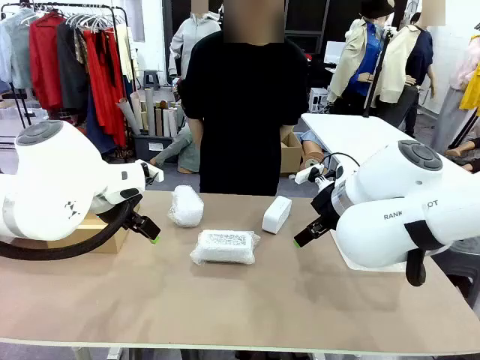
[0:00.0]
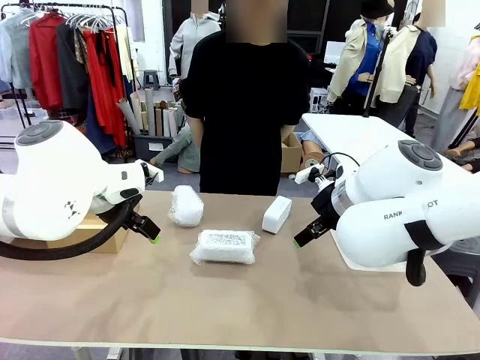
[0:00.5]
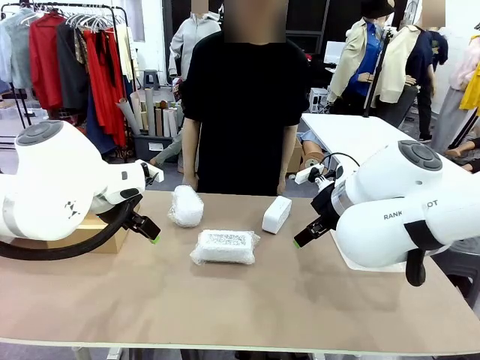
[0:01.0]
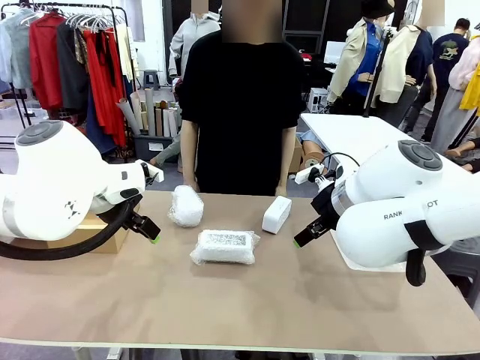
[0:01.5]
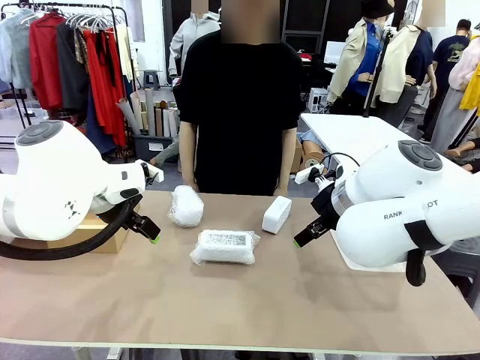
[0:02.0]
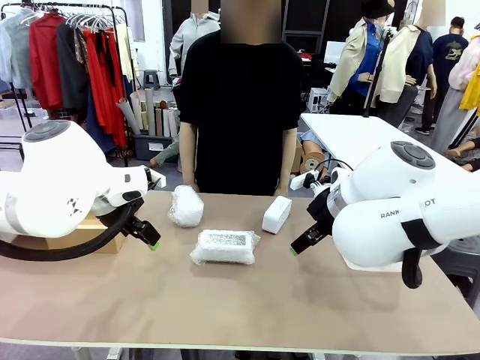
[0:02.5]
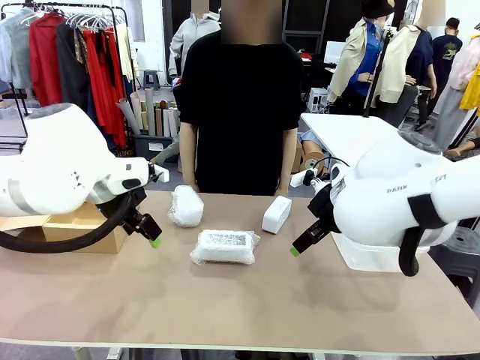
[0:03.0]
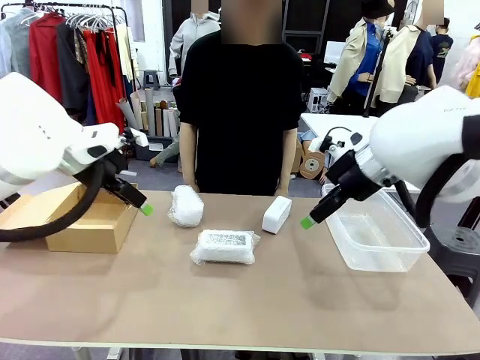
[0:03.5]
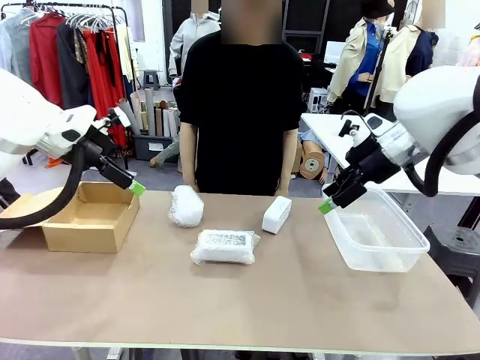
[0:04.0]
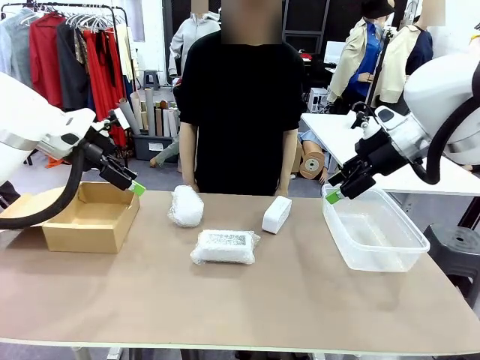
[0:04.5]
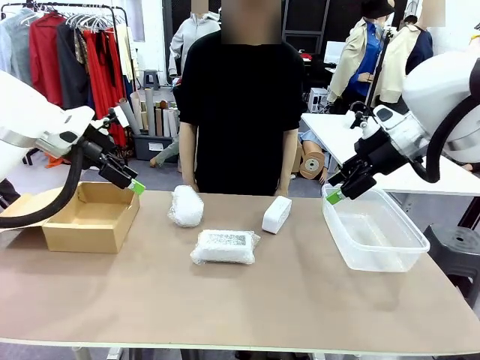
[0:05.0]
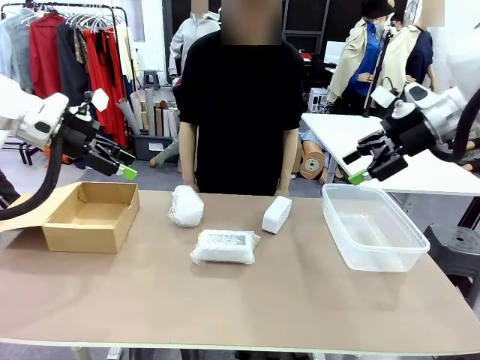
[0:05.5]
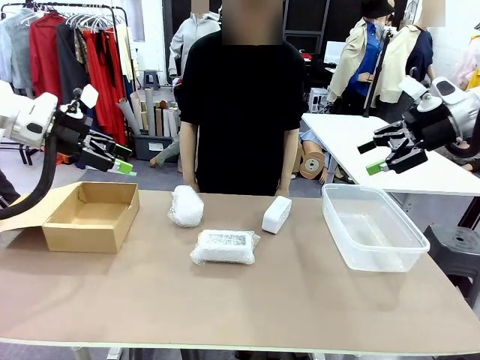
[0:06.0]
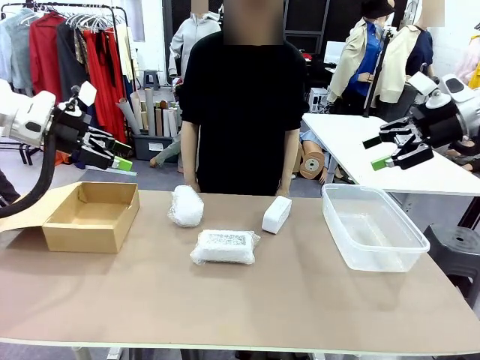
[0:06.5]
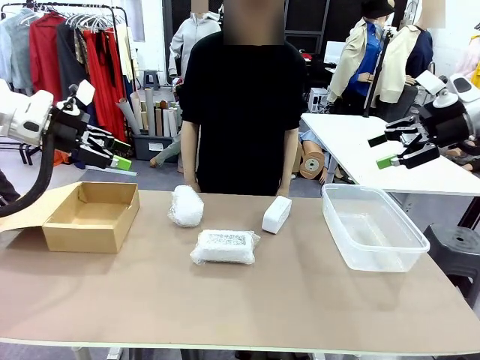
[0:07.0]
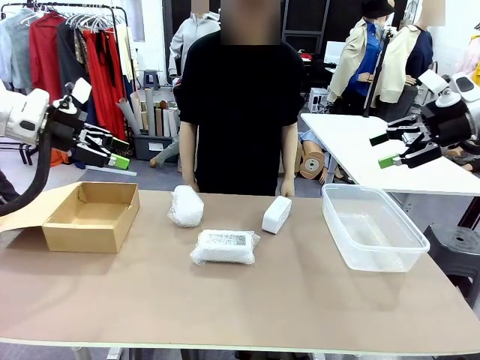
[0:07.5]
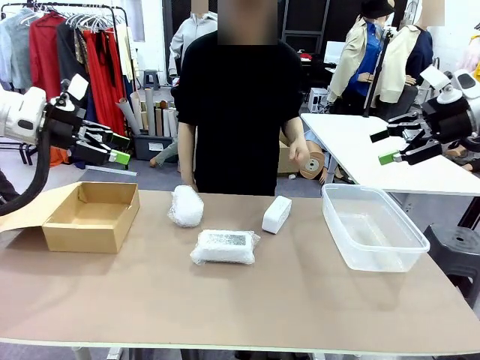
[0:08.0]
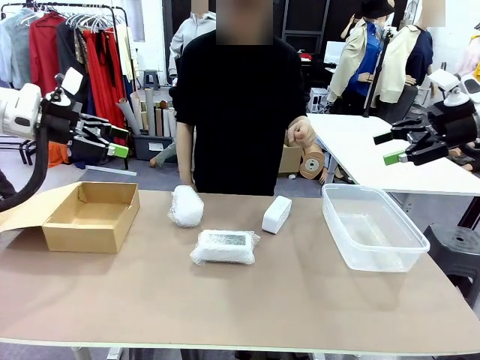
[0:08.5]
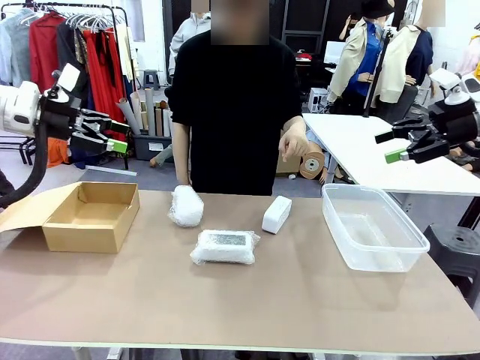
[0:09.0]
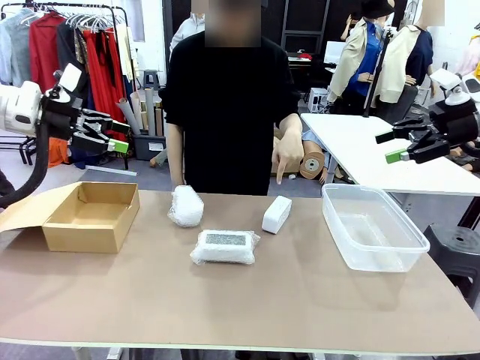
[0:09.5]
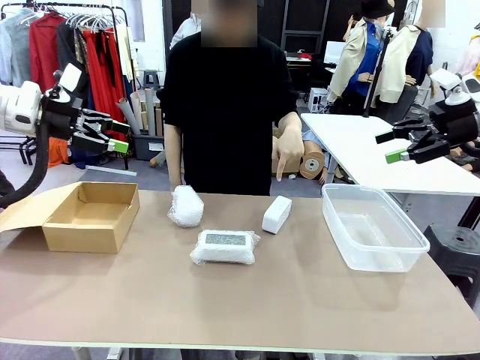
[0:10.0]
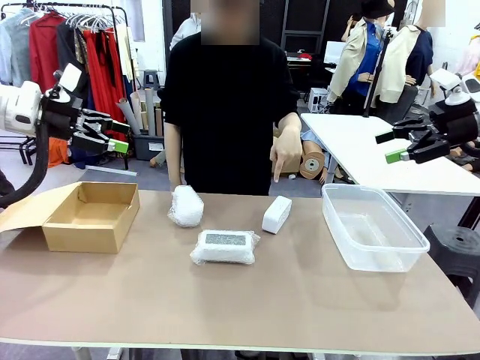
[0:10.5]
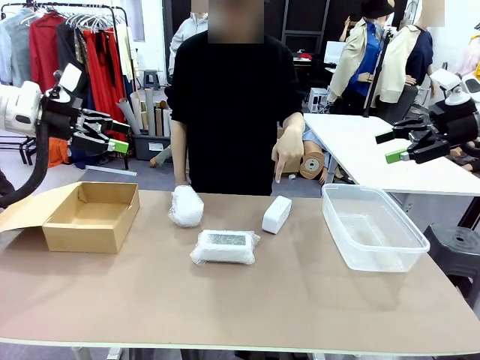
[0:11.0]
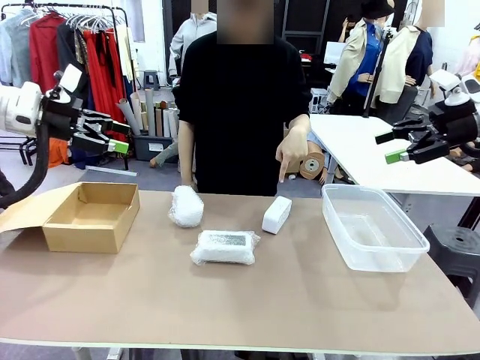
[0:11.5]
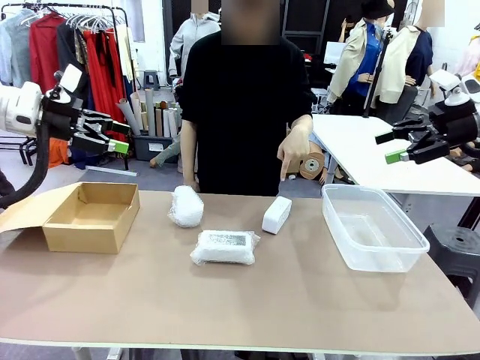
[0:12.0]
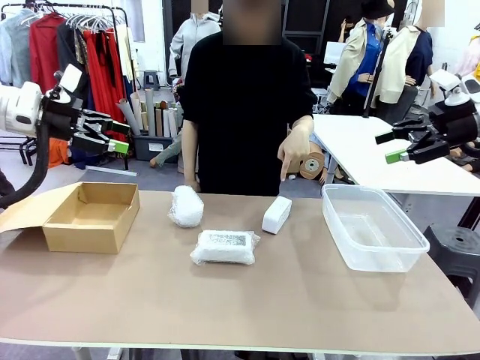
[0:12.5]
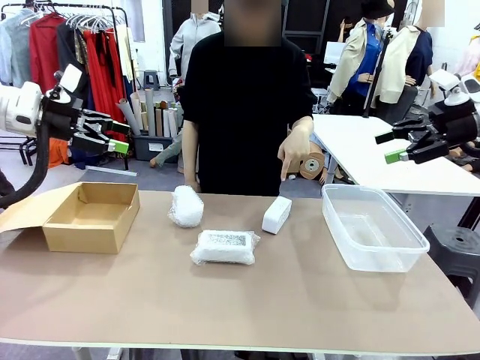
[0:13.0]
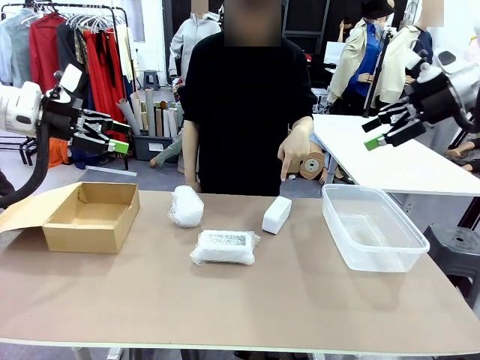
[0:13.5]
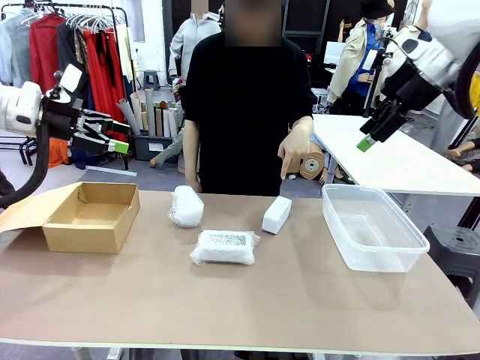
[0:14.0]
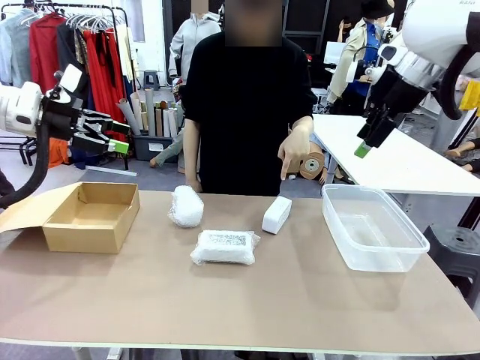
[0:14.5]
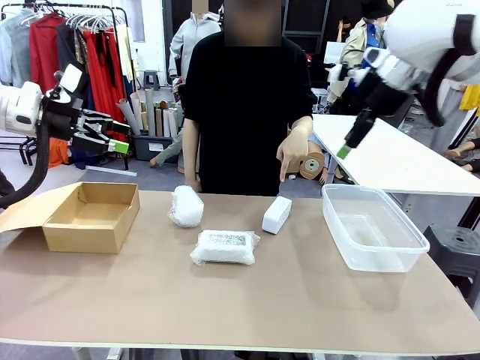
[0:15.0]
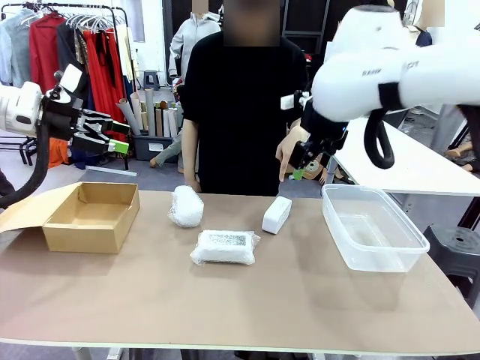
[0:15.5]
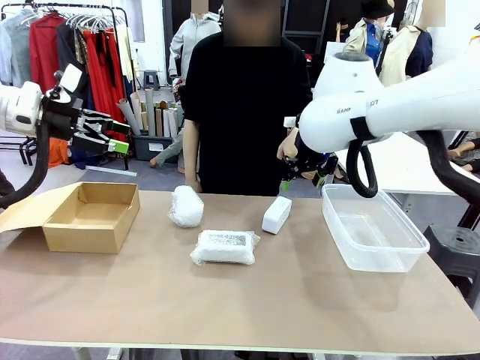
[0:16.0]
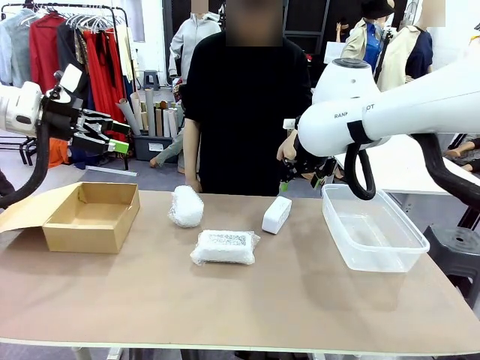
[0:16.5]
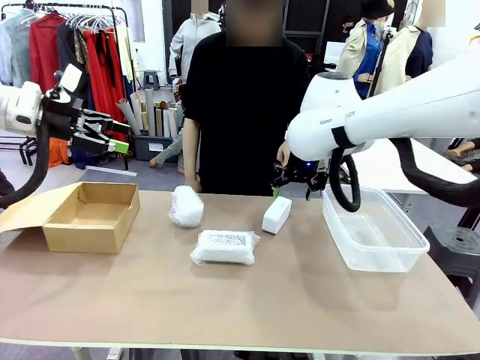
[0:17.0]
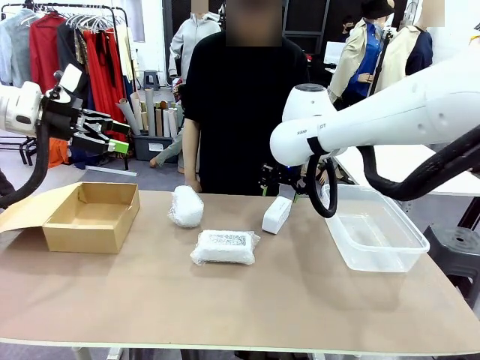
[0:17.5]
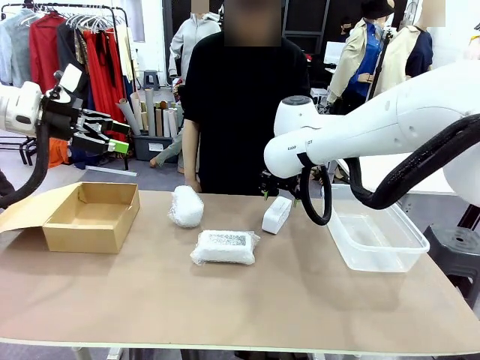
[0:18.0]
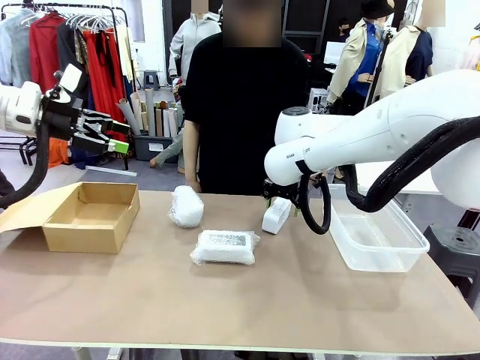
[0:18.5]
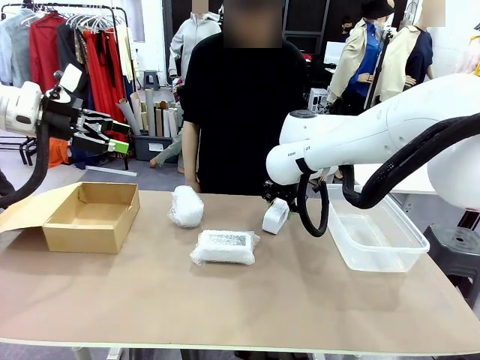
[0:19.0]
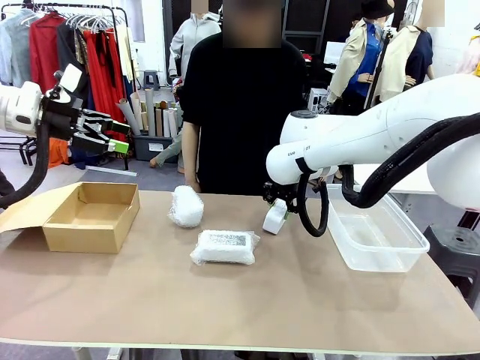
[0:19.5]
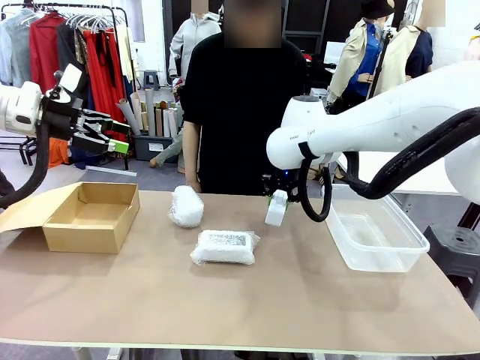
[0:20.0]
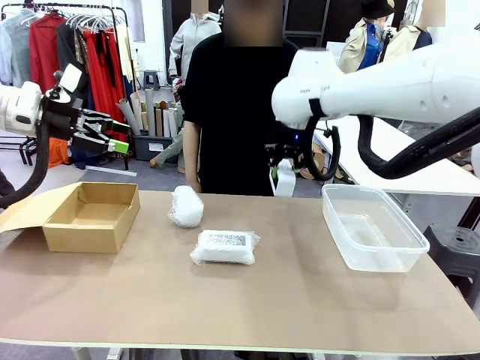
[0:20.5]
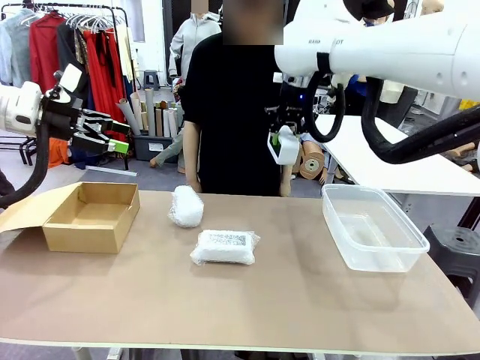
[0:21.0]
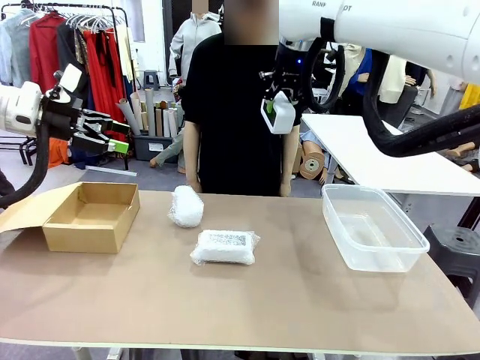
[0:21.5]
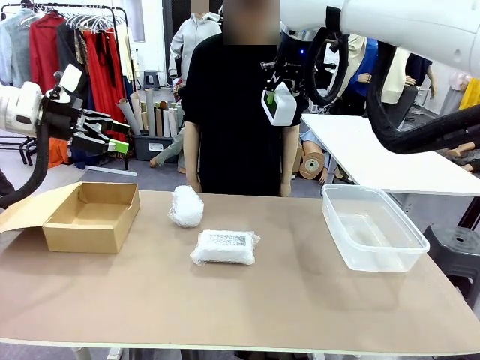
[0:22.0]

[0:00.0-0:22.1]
Task: Separate and place wrapped and unwrapped clocks.
Robot: Pick up the Digital clock indicated by the person.
